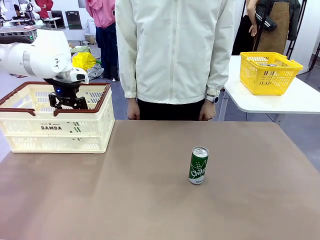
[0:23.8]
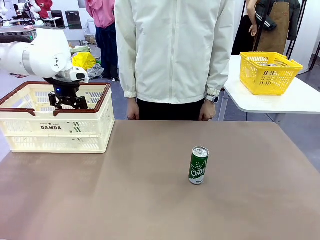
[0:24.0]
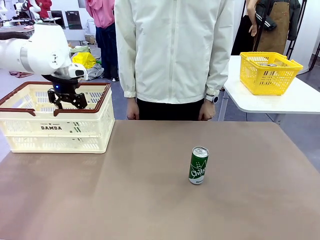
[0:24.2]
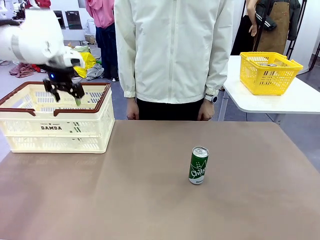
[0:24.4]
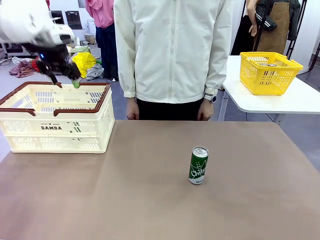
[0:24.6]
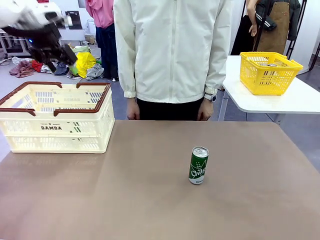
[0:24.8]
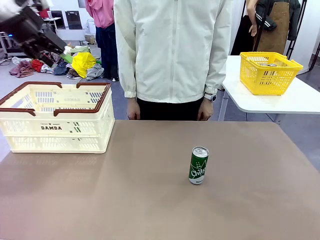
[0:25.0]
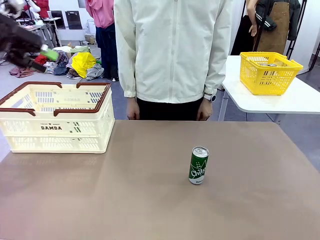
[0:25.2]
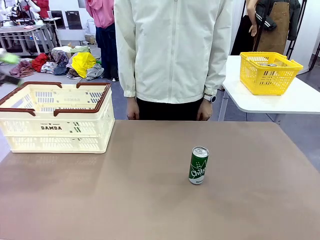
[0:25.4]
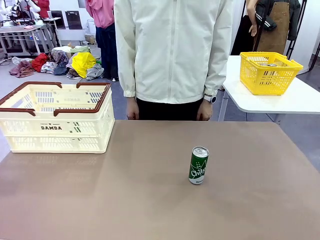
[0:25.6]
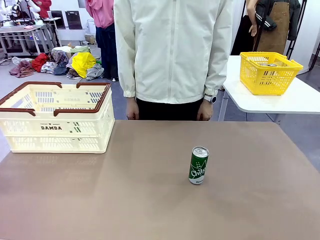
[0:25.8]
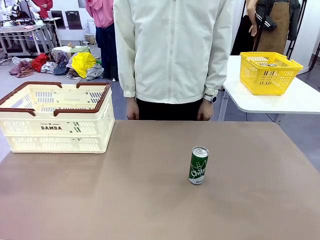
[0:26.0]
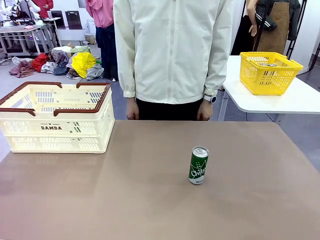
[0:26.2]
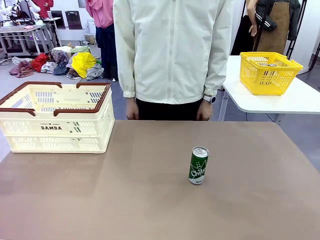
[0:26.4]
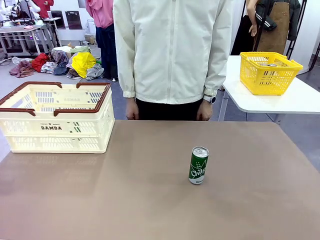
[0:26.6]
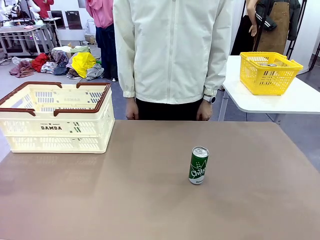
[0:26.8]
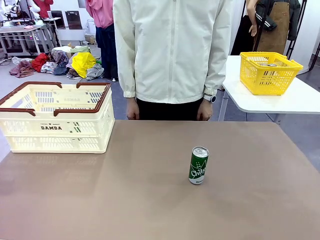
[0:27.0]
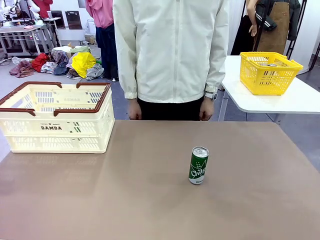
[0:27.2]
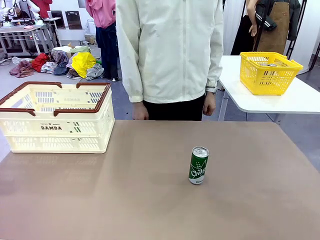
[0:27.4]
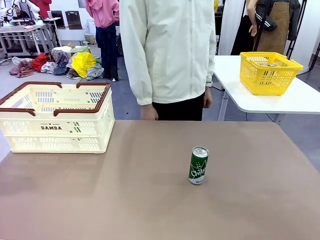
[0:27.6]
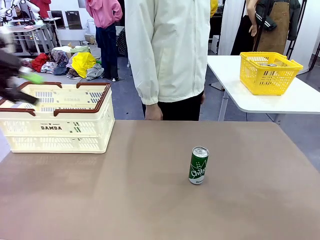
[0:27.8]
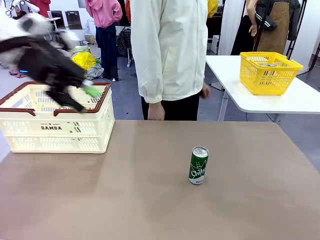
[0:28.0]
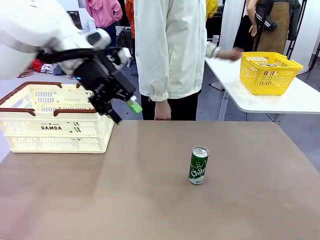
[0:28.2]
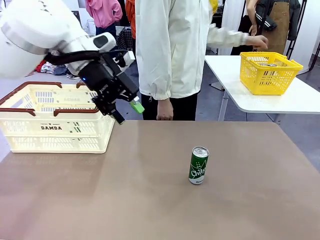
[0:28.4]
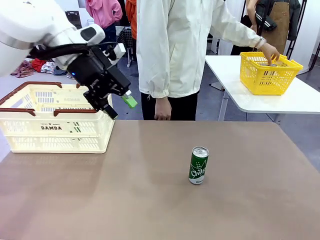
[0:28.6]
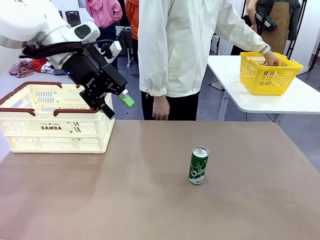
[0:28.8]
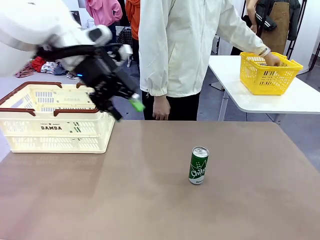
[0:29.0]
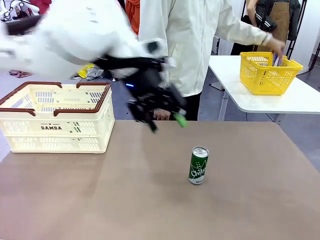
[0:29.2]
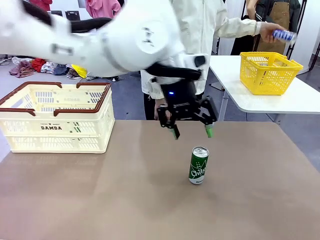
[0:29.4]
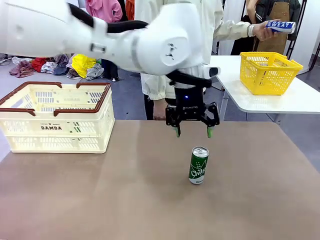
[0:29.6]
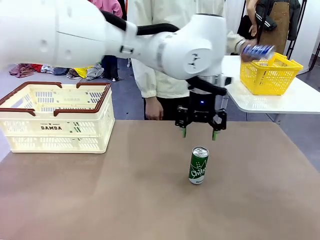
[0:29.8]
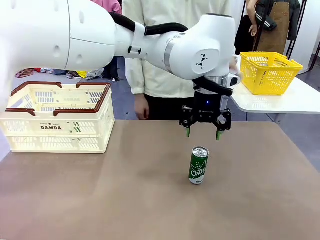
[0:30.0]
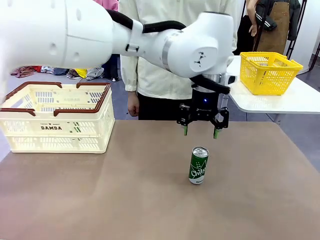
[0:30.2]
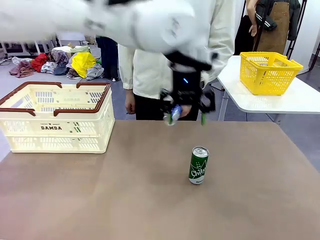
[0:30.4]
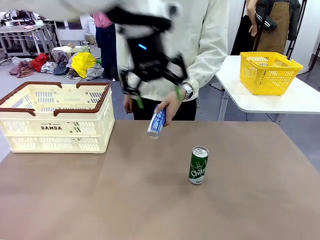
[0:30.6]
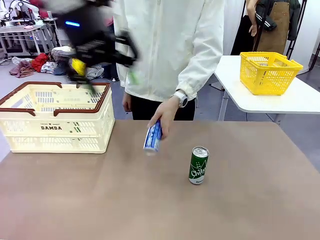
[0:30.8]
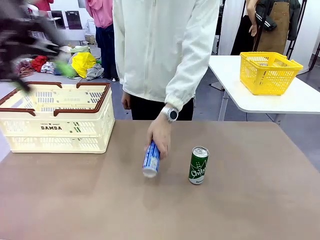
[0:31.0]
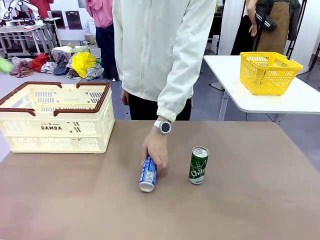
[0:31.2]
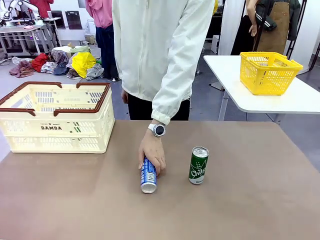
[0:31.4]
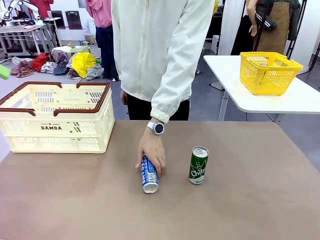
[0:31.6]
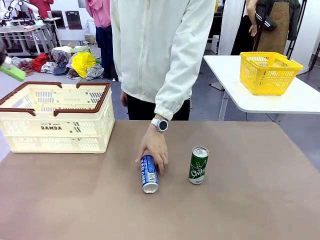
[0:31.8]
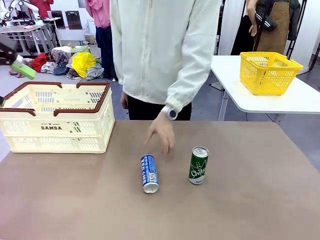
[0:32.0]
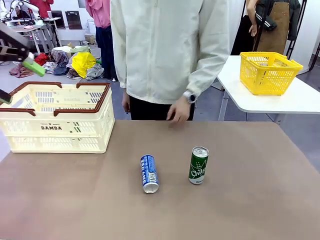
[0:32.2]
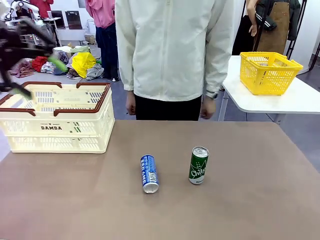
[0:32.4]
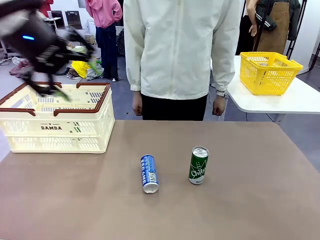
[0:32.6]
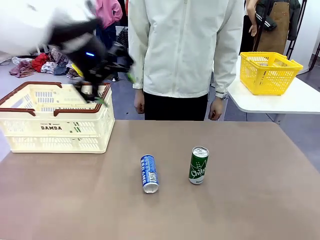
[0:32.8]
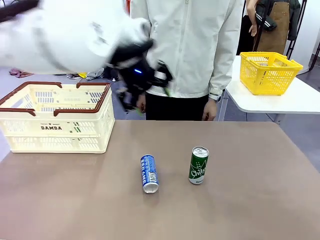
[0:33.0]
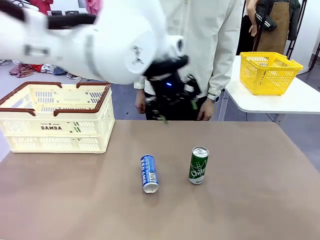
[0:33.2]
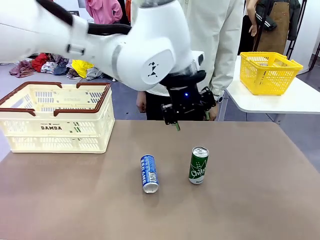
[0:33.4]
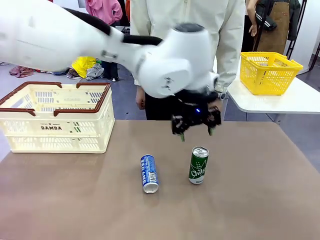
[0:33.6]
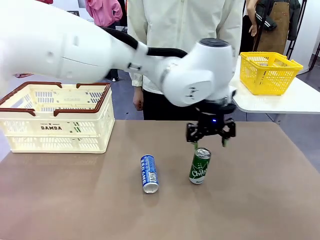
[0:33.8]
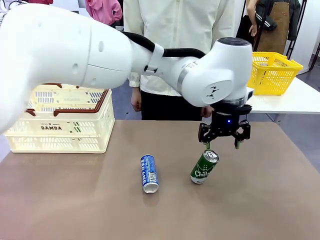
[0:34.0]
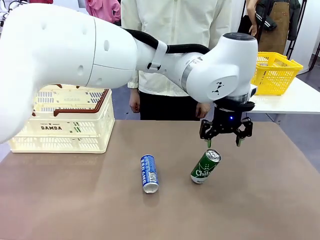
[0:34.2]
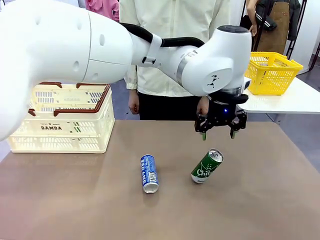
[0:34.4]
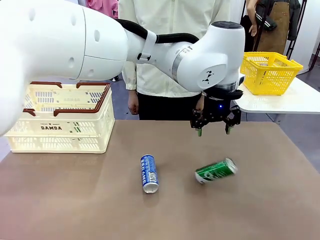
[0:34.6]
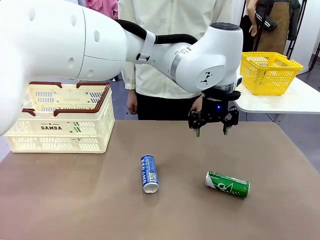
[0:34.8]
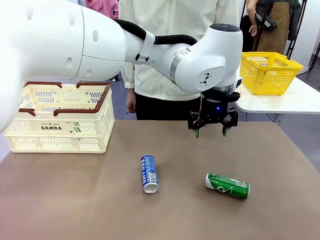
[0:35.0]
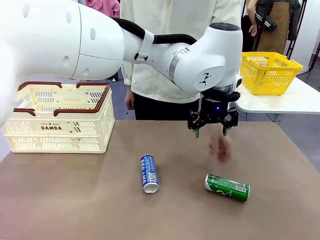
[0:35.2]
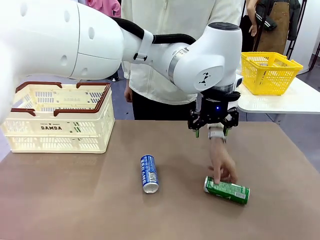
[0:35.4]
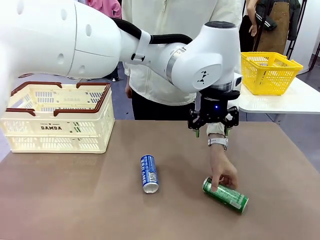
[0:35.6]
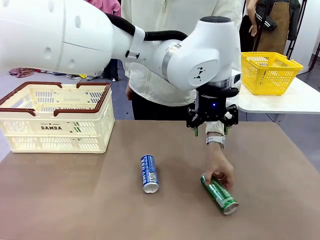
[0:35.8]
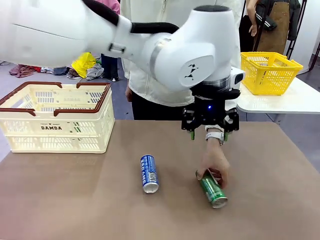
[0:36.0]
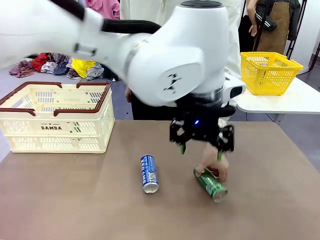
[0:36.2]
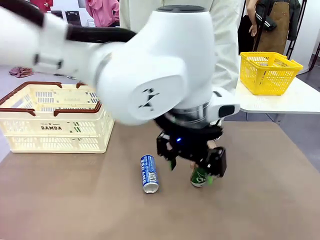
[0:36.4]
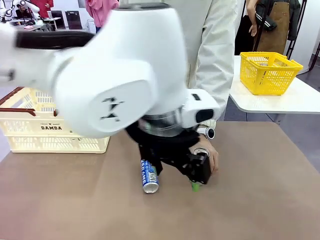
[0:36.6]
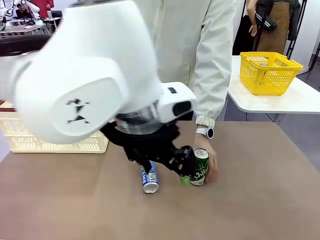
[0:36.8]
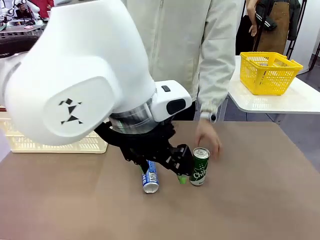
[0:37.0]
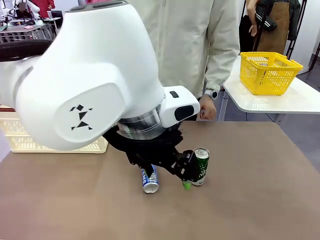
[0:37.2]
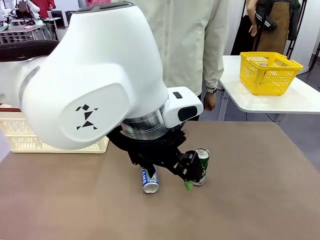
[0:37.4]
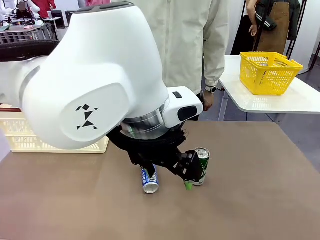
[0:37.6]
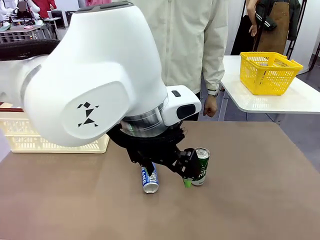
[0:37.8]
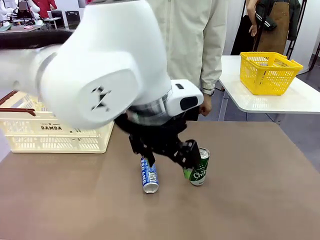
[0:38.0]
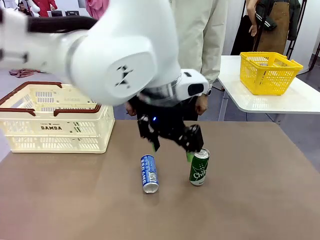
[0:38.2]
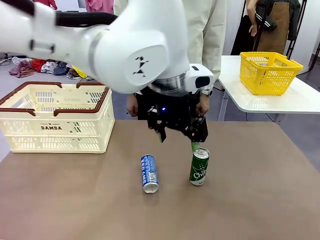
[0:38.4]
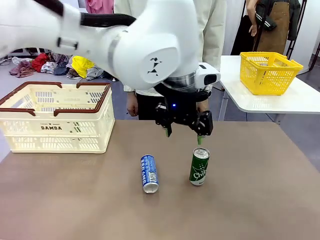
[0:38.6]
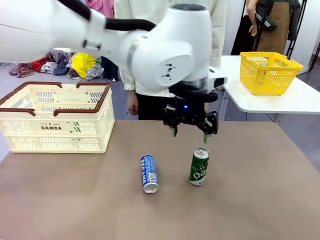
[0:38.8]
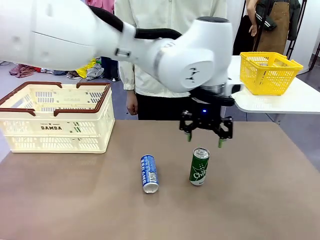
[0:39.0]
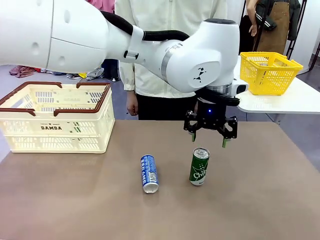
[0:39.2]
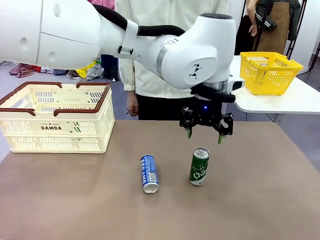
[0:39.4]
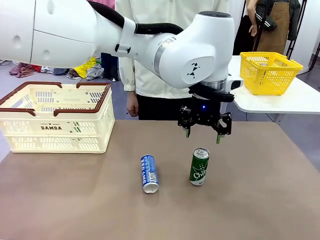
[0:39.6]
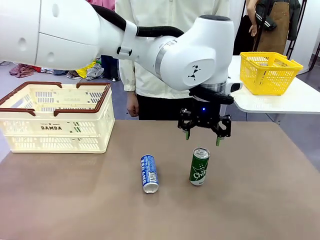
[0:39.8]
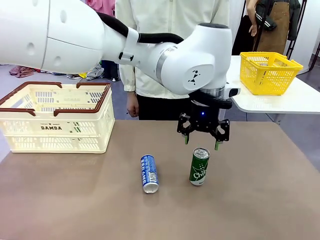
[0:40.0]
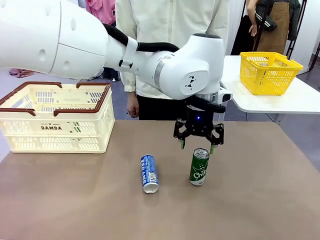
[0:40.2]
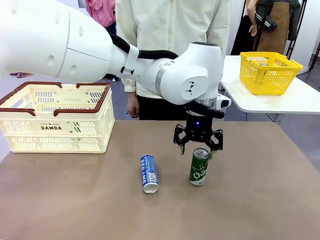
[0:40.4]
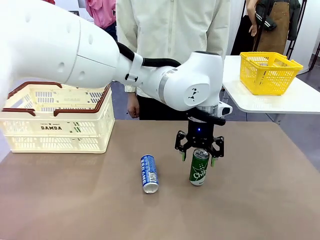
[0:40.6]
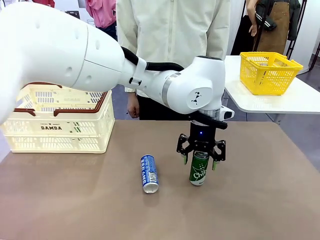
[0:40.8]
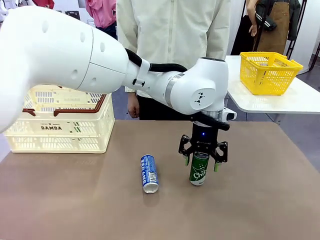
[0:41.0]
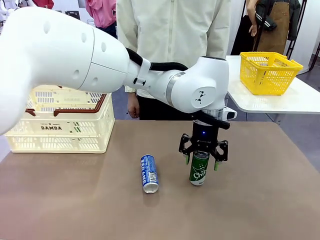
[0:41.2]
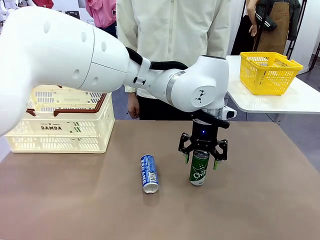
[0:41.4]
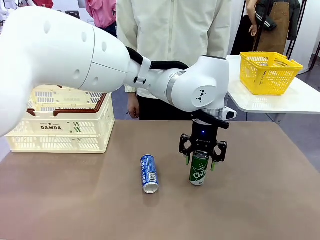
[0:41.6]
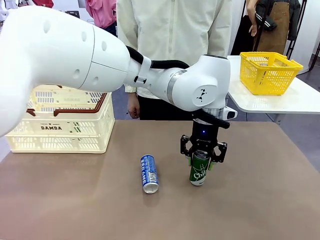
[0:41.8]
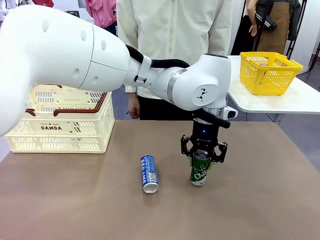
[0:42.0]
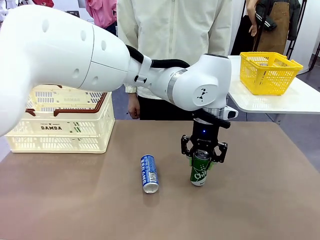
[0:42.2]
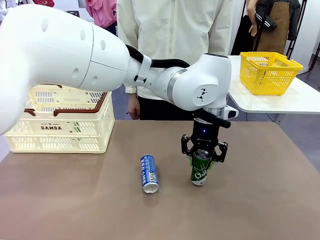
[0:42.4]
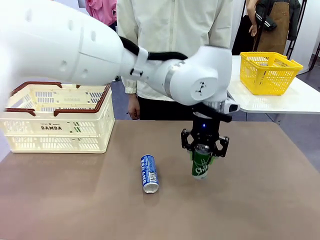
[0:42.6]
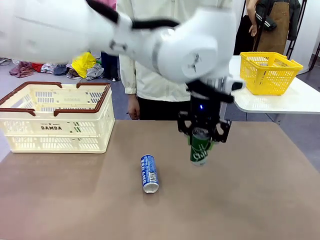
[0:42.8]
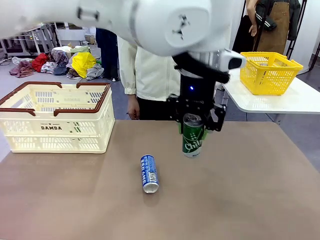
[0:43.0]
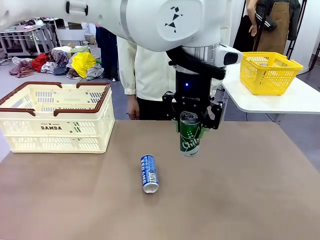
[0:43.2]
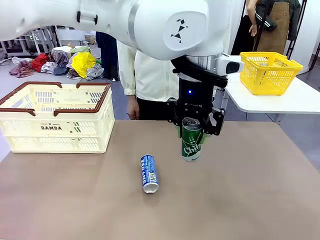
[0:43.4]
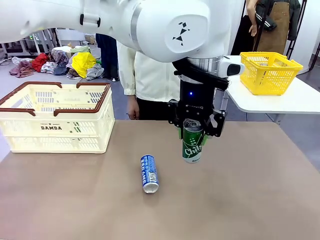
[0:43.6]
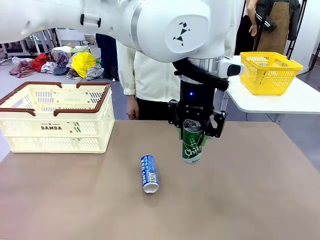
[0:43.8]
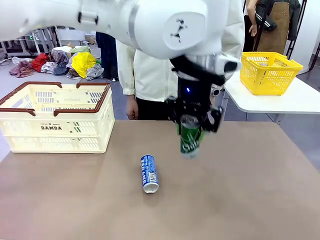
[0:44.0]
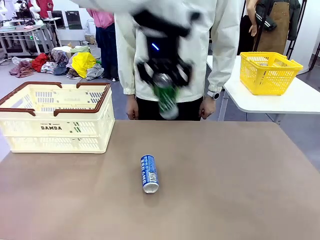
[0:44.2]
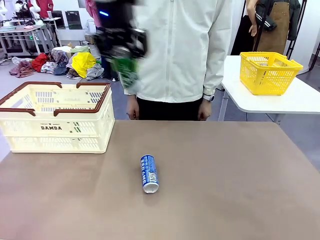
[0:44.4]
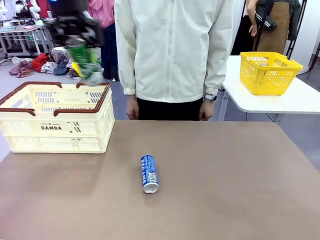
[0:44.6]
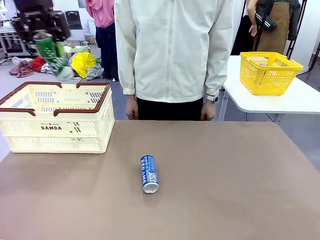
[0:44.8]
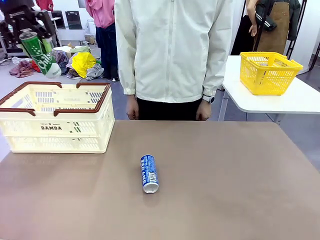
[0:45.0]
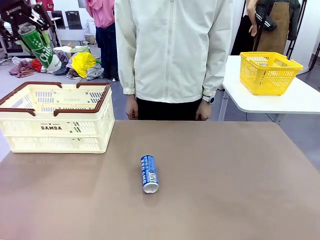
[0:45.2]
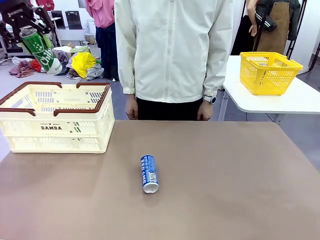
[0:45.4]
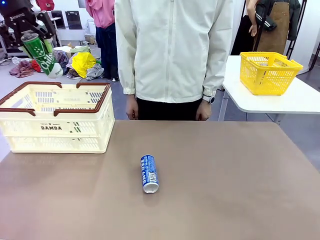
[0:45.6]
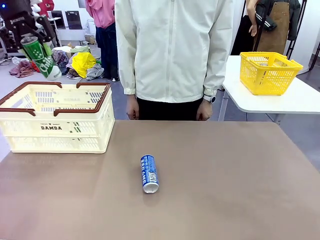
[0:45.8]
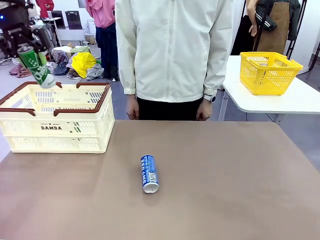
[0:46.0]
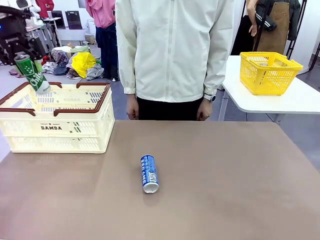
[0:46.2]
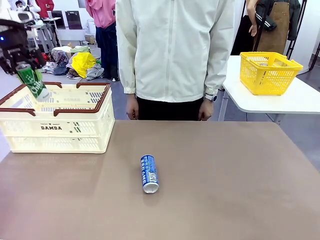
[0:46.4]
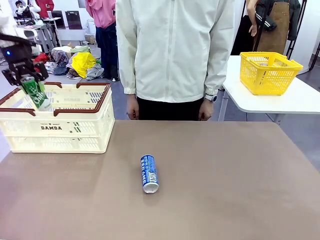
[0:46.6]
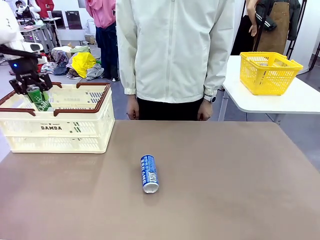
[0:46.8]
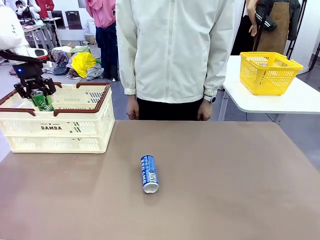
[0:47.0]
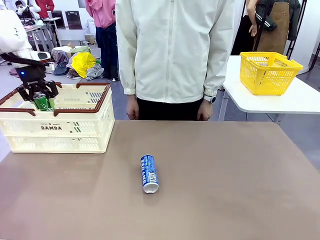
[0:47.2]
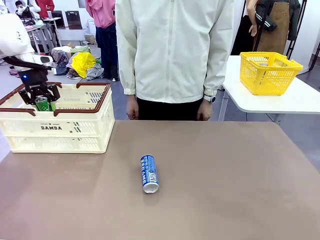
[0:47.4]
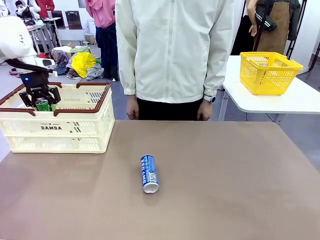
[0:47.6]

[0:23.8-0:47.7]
Task: Place the drinks into the Shopping basket.
Robot: Pick up one drink and place it into the Shopping basket.
